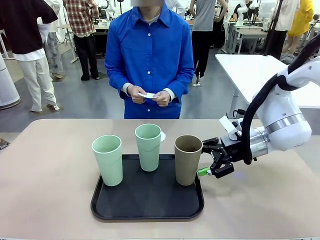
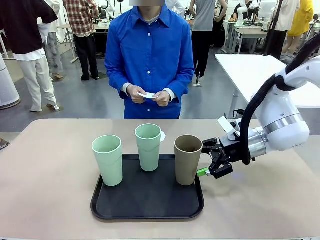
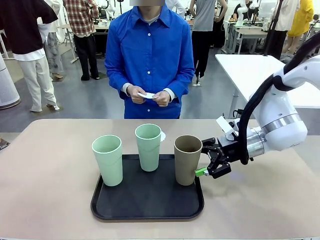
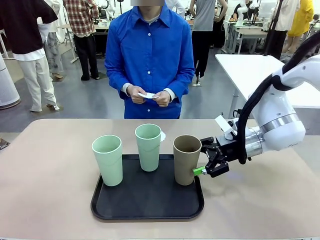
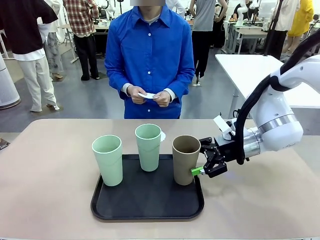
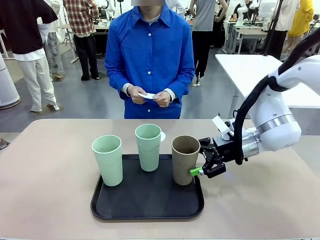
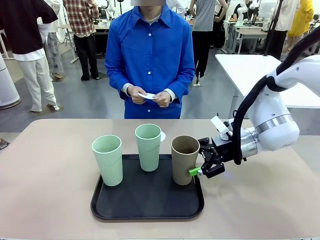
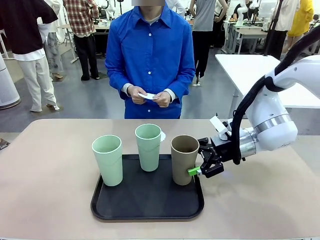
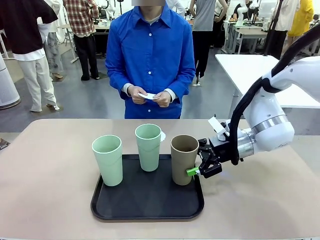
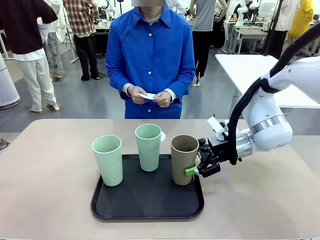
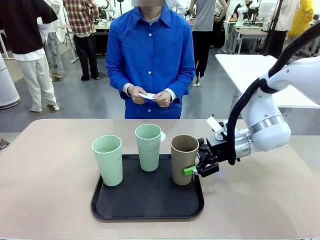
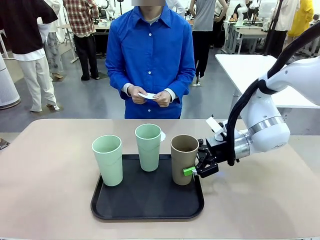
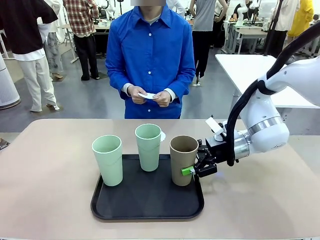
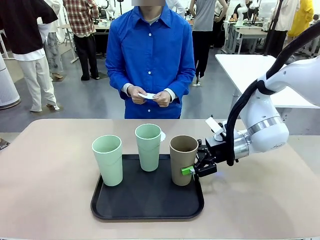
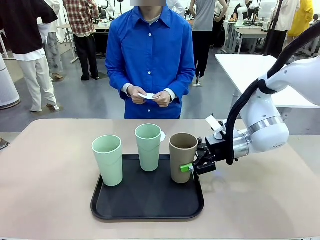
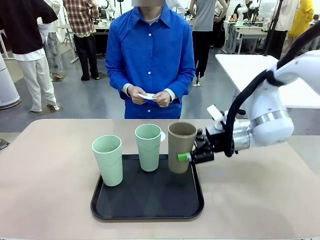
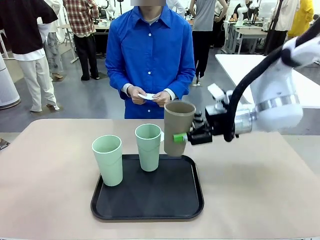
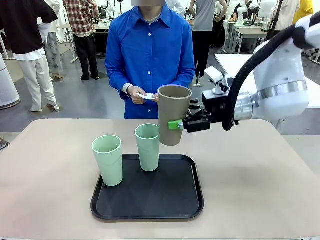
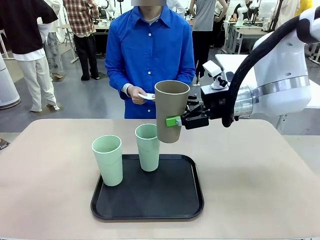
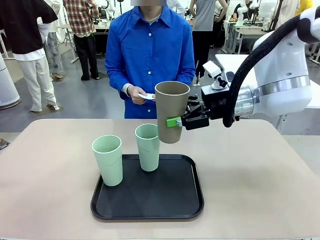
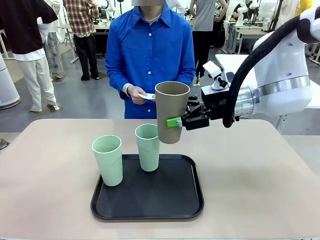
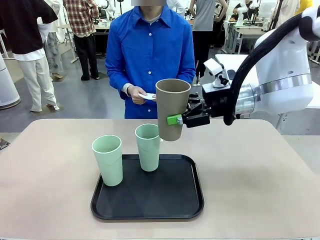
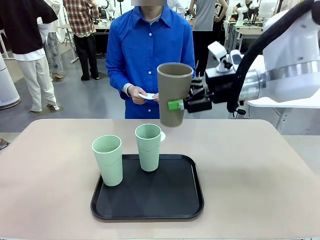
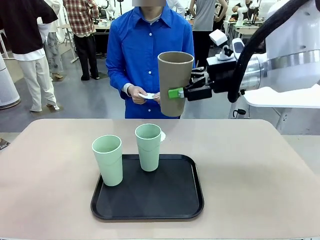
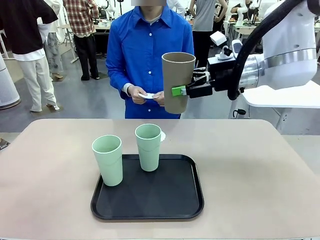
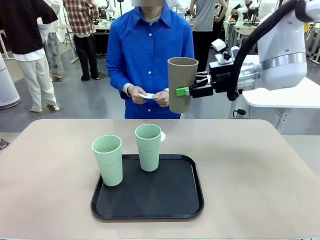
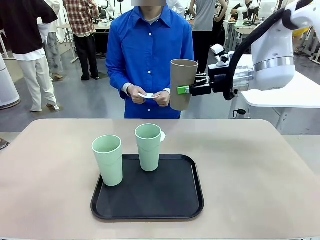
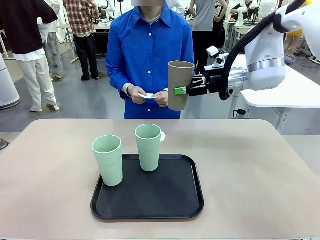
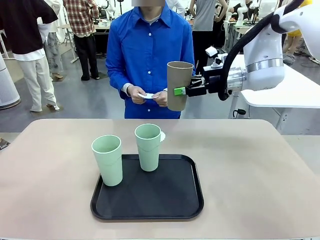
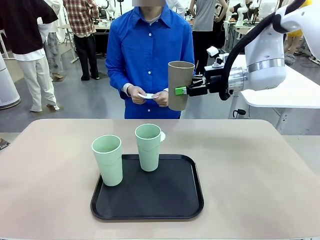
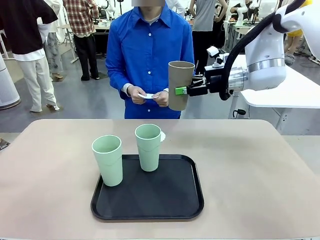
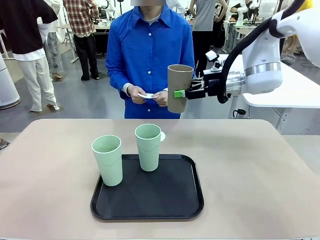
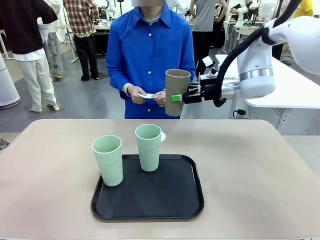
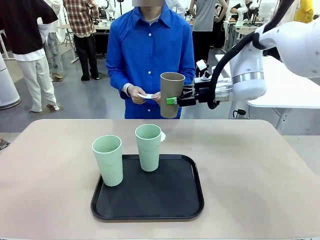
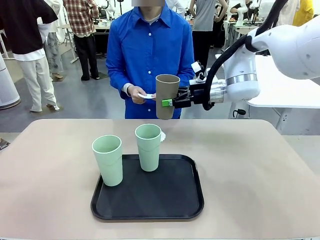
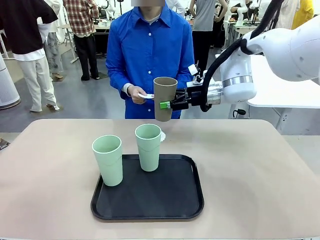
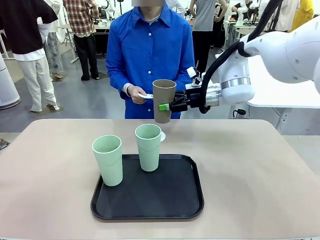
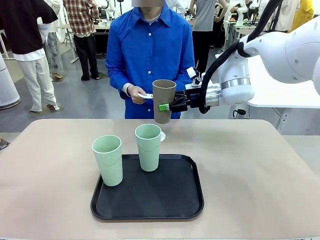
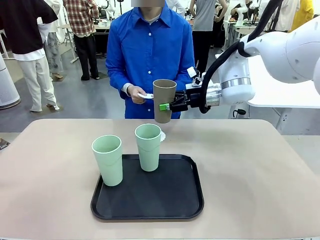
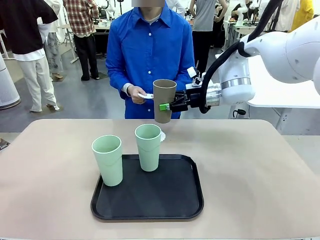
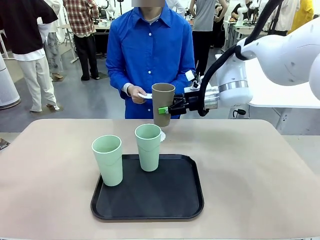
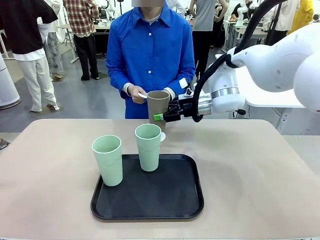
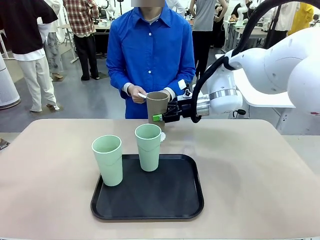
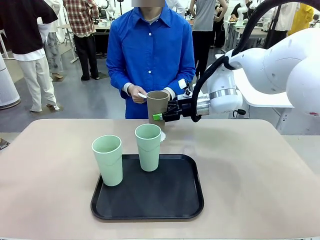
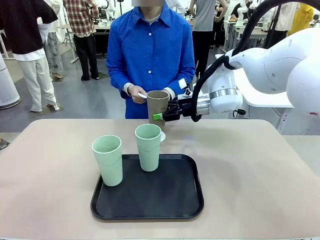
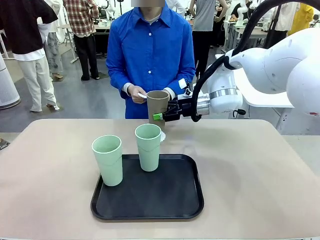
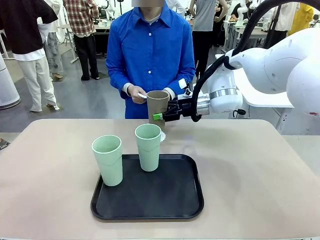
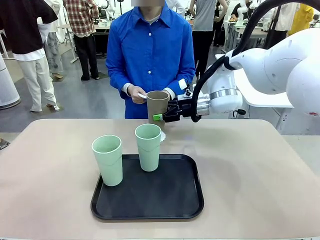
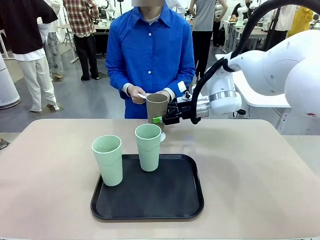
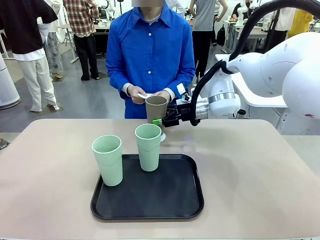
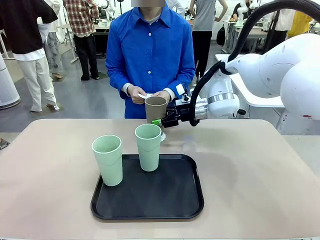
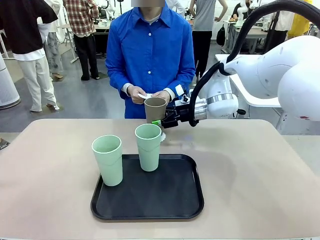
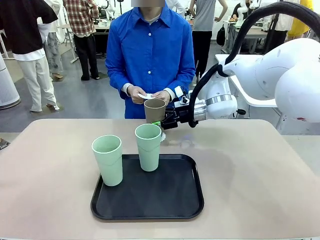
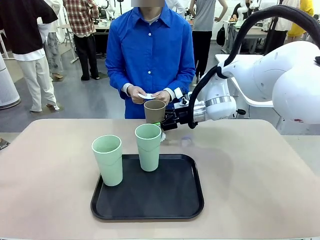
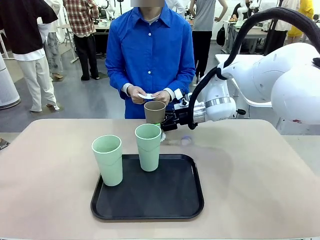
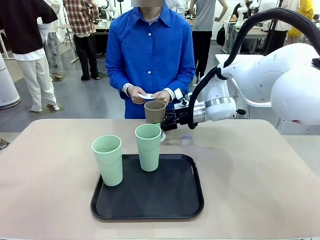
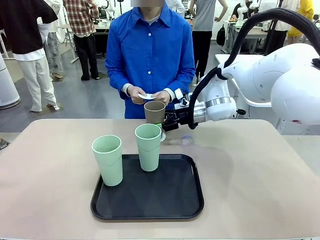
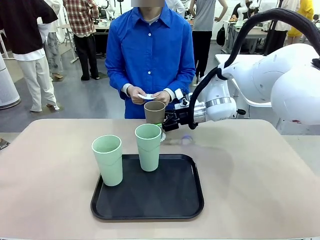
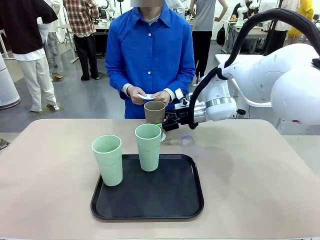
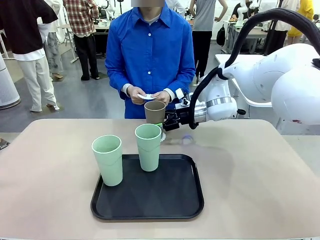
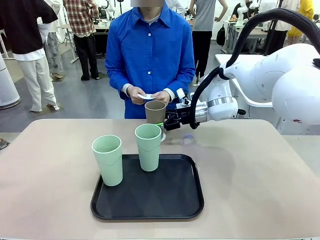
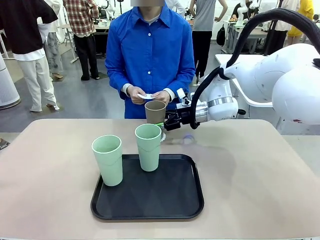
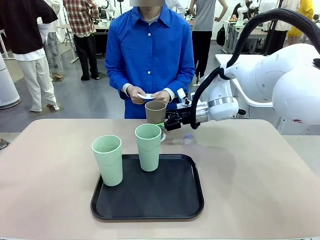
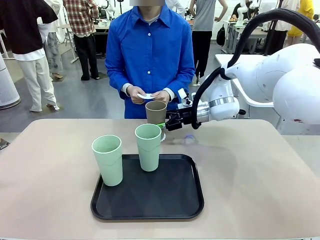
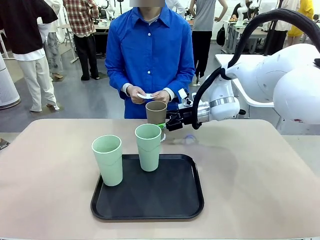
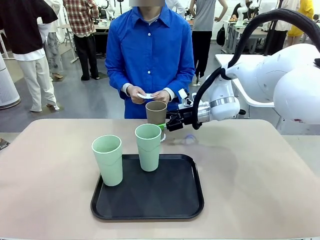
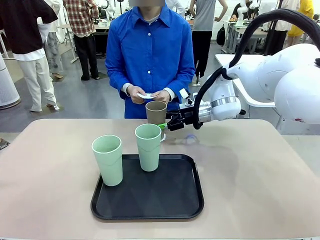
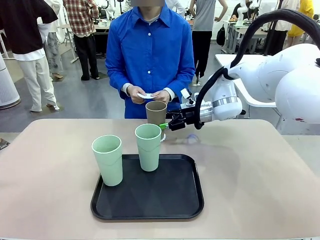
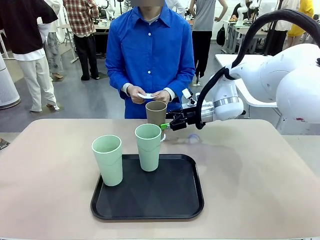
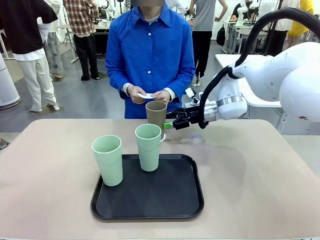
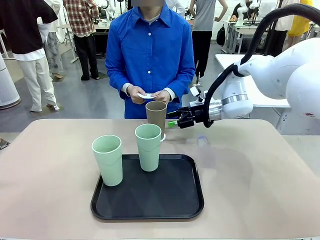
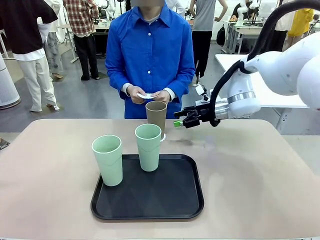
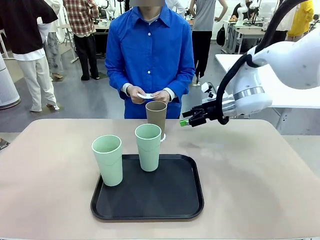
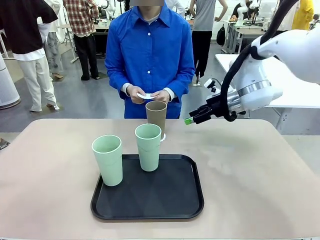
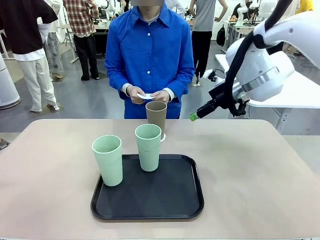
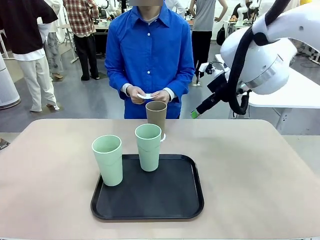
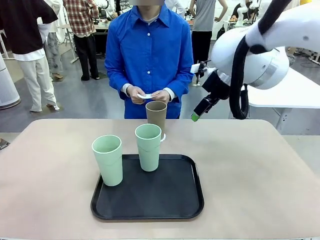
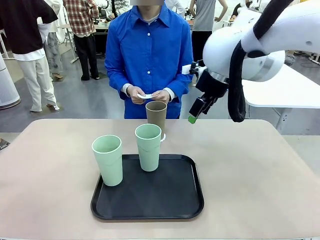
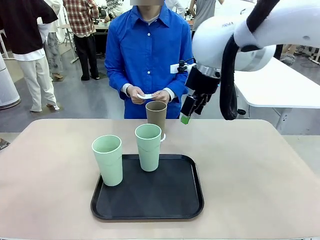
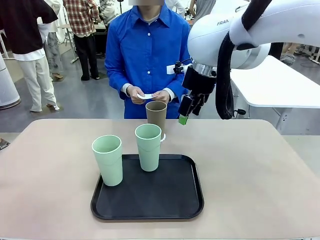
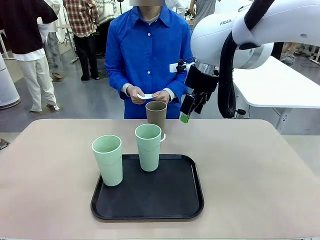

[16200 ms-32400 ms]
Task: Place coasters on the table and set cups on them.
Robot: Pick up one Reusable plastic cup and place it on a coaster set by the human.
Person: Place one coaster in one of the two areas excluding the previously selected area.

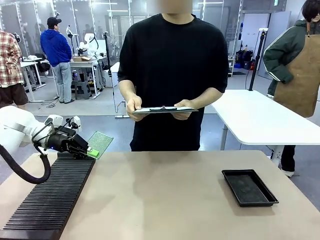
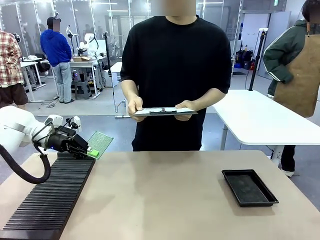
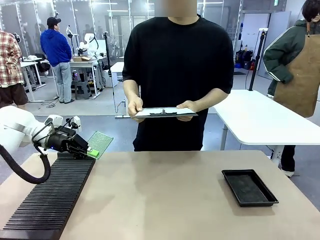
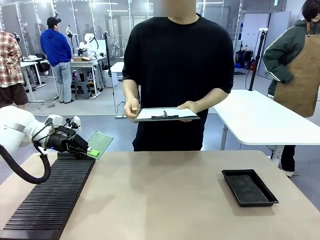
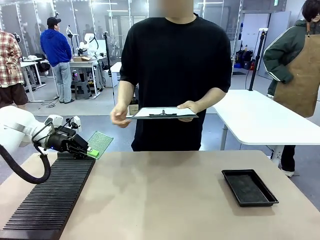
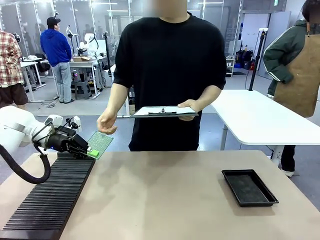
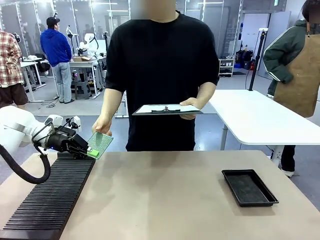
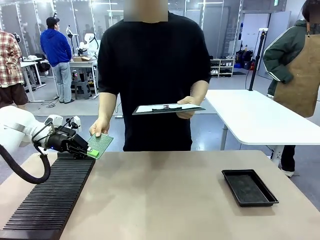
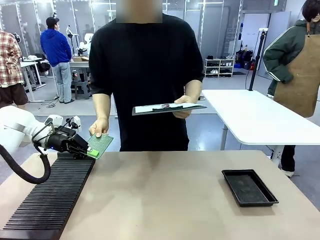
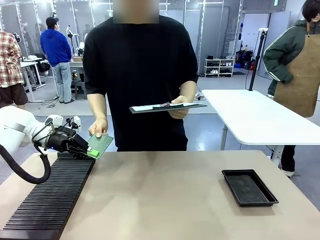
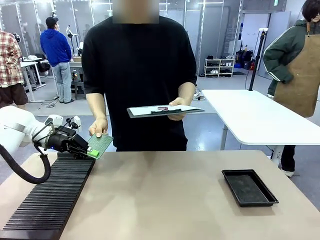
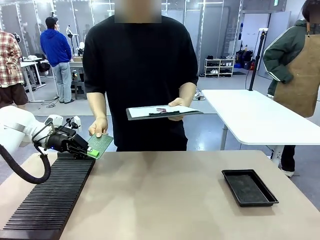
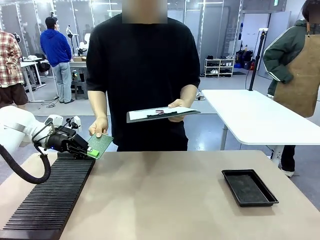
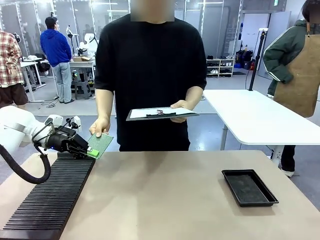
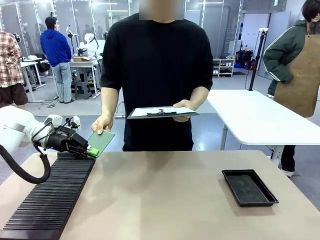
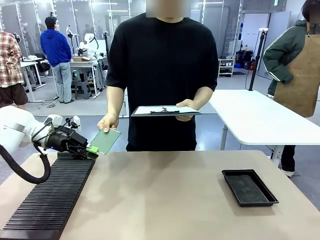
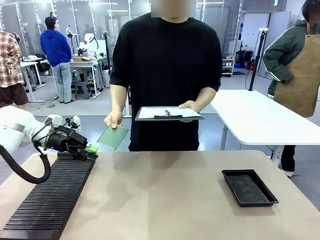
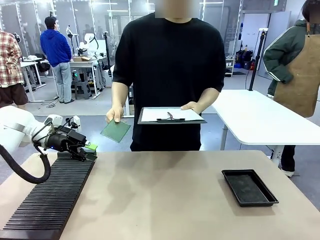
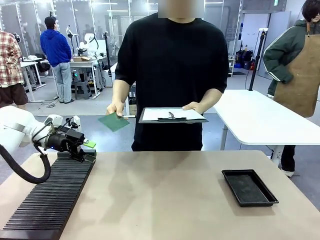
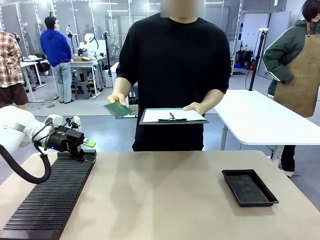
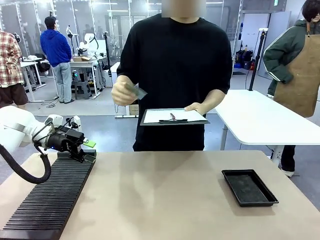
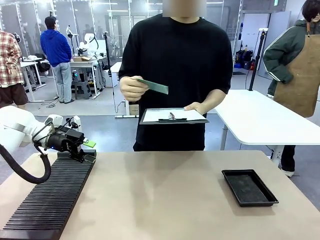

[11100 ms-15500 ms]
Task: Inspect the PCB.
Robot: Release the Blank PCB you were holding.
